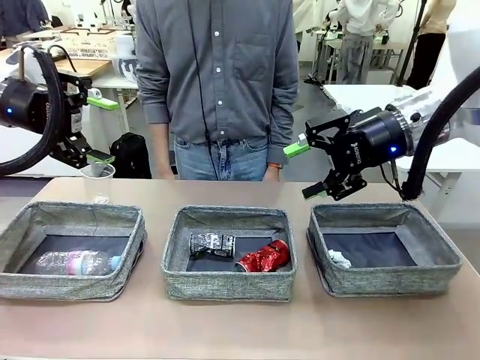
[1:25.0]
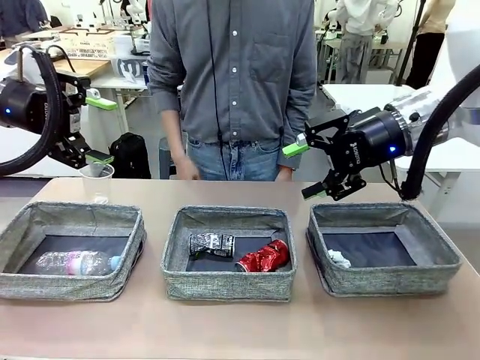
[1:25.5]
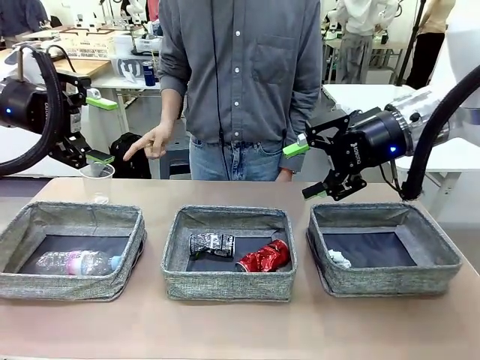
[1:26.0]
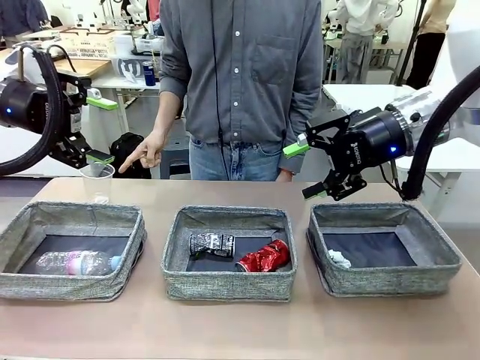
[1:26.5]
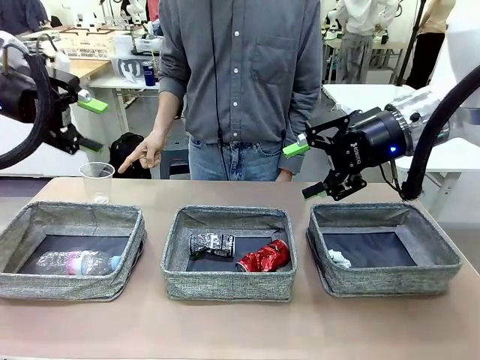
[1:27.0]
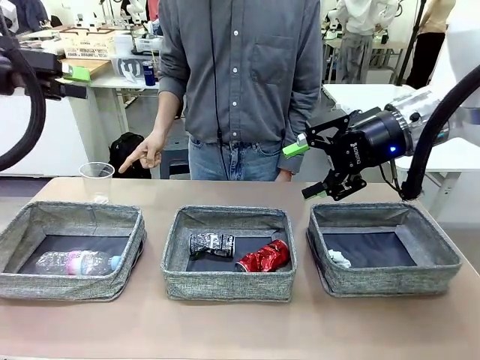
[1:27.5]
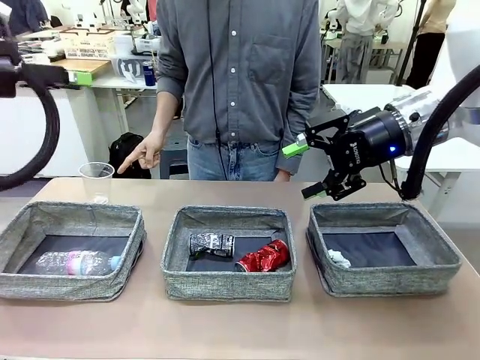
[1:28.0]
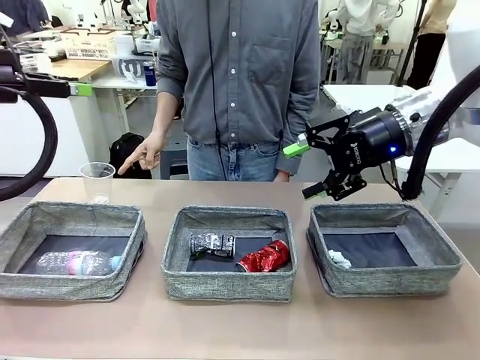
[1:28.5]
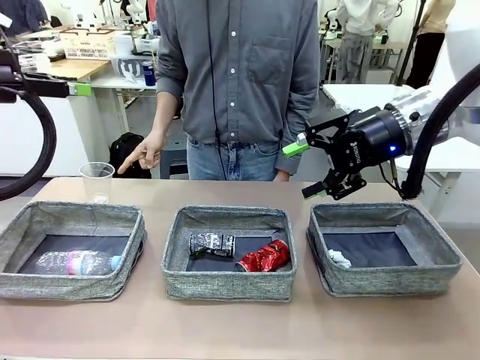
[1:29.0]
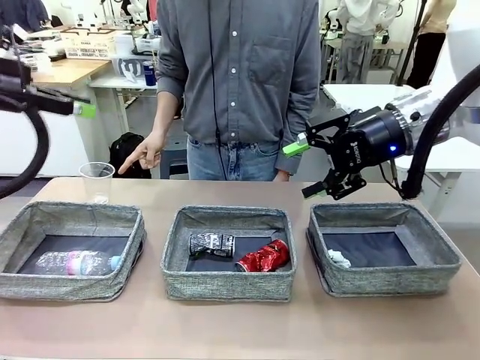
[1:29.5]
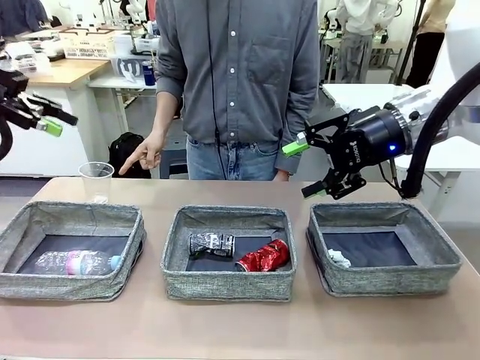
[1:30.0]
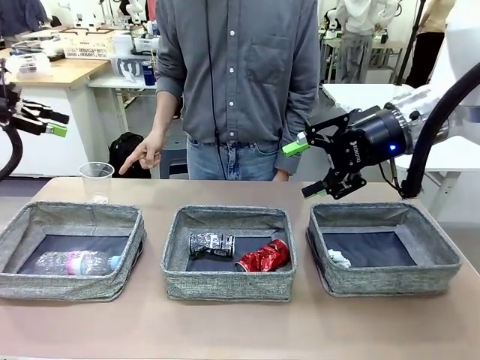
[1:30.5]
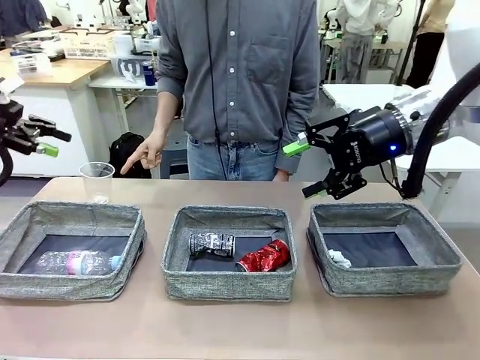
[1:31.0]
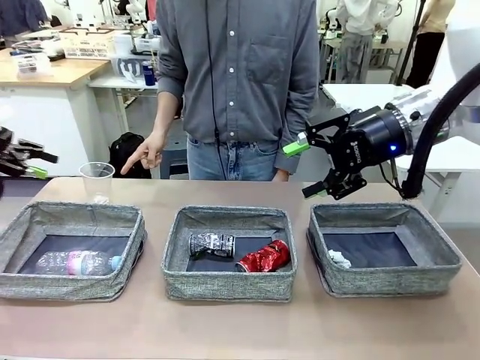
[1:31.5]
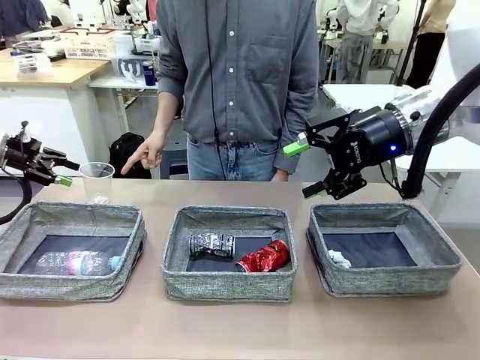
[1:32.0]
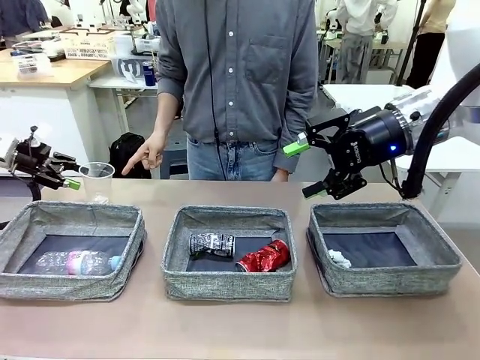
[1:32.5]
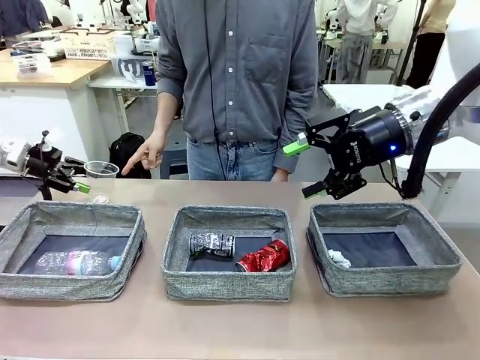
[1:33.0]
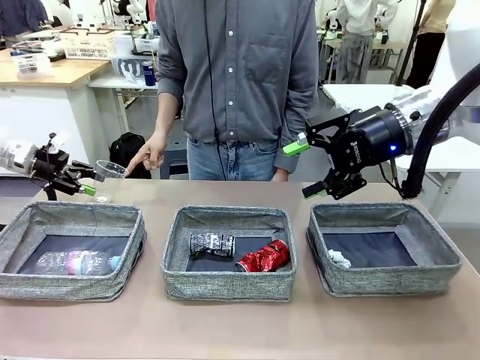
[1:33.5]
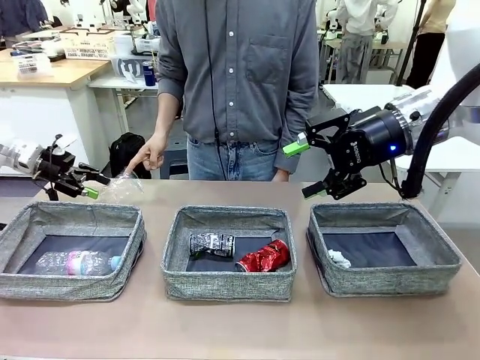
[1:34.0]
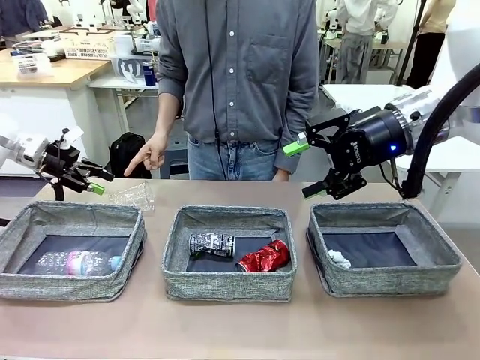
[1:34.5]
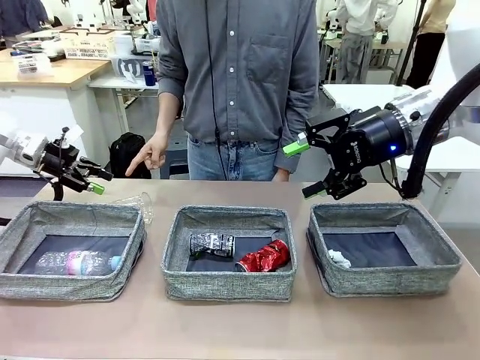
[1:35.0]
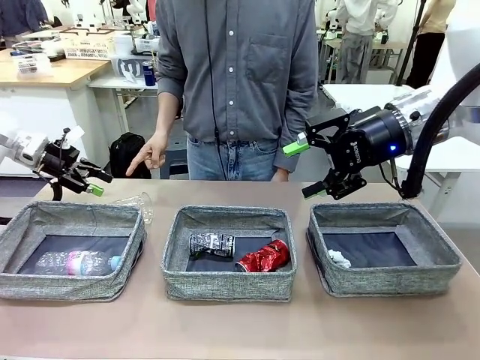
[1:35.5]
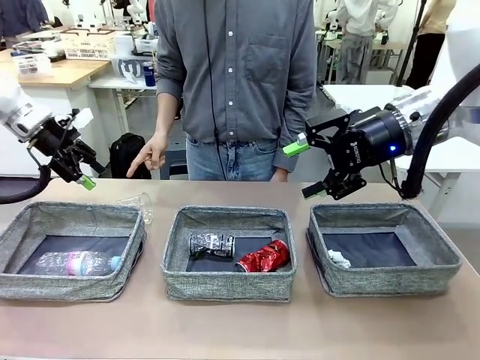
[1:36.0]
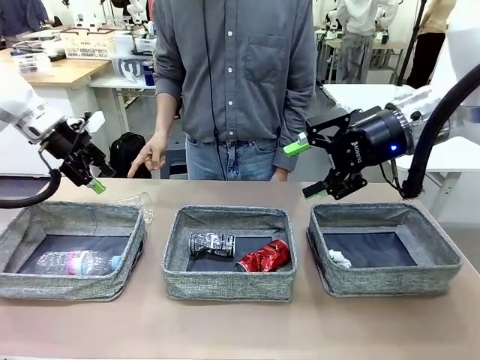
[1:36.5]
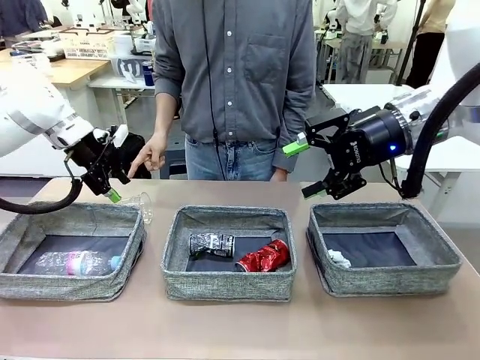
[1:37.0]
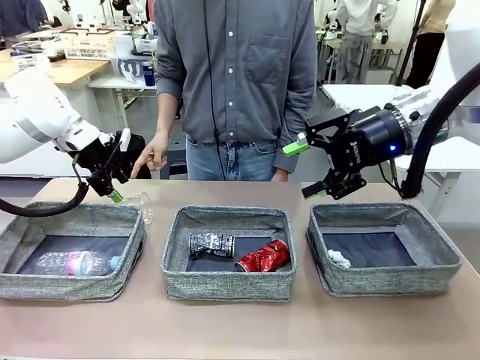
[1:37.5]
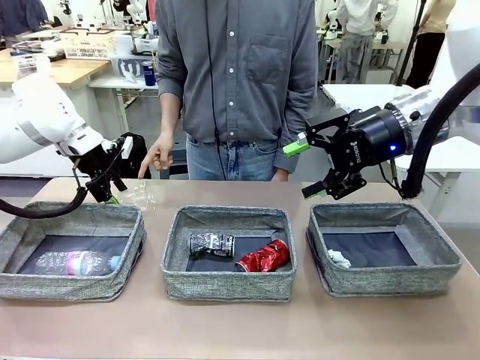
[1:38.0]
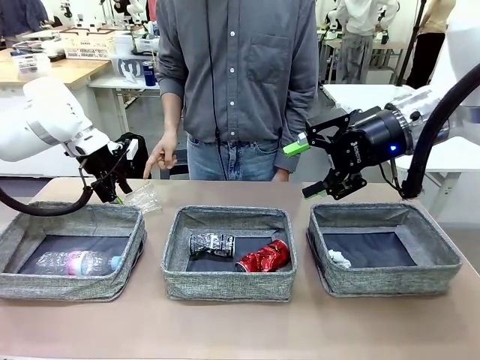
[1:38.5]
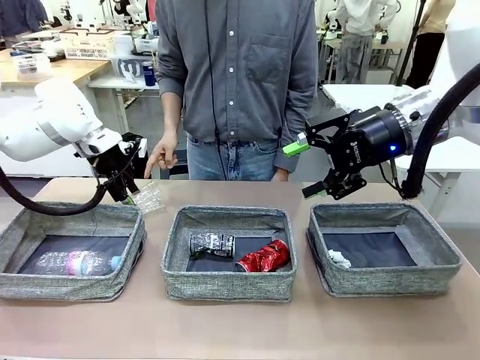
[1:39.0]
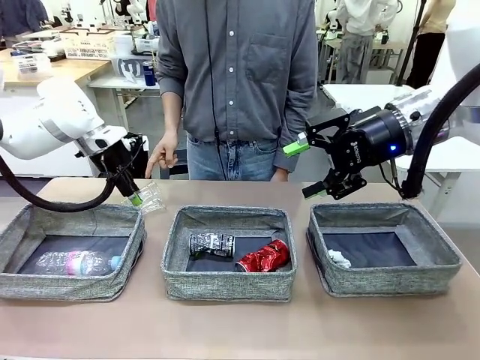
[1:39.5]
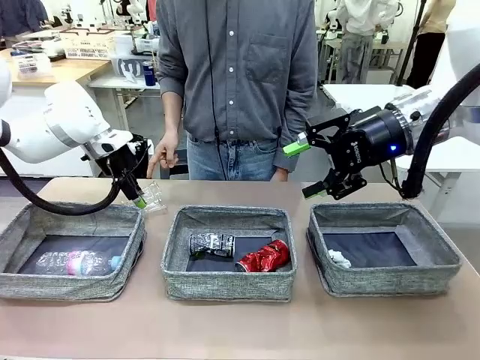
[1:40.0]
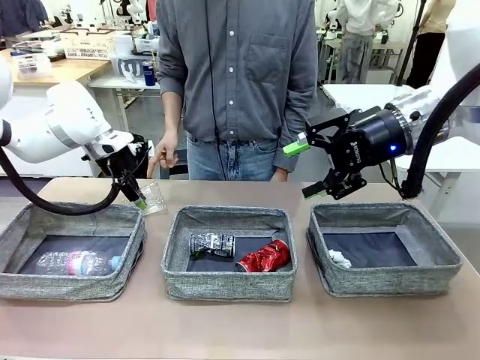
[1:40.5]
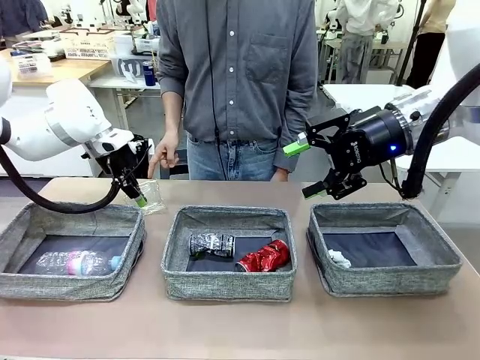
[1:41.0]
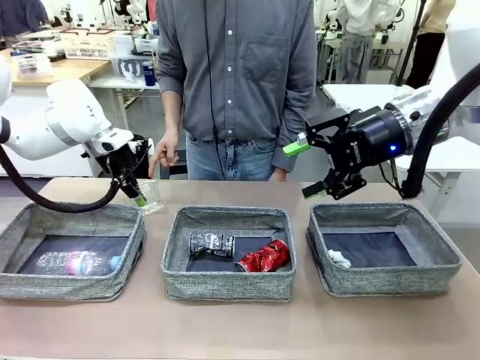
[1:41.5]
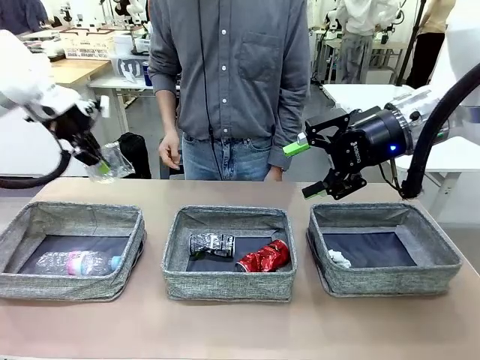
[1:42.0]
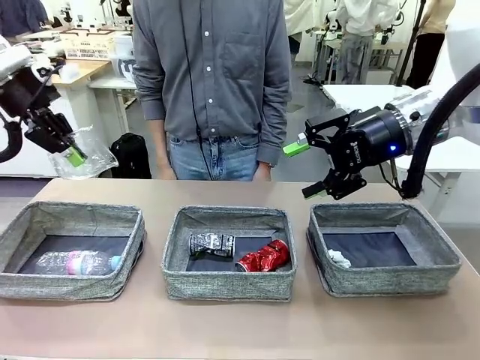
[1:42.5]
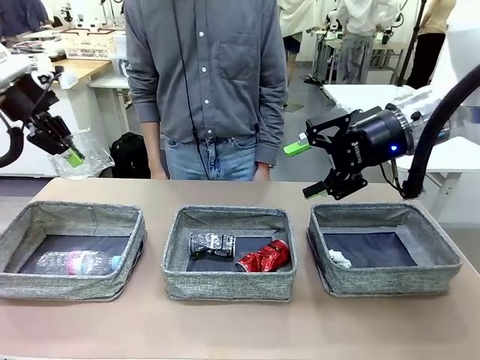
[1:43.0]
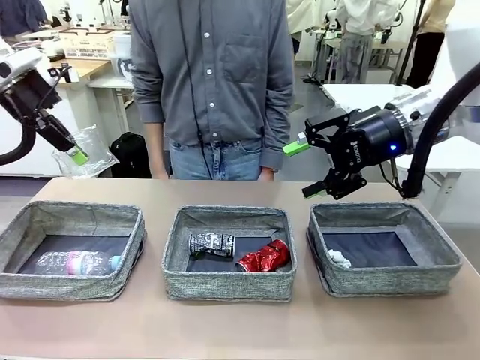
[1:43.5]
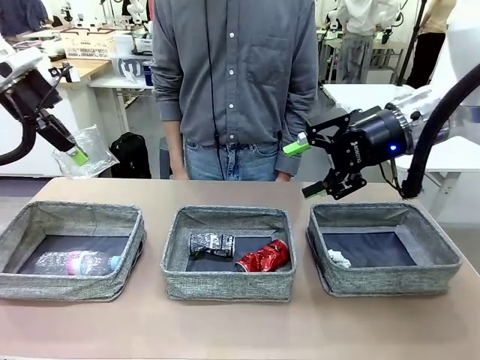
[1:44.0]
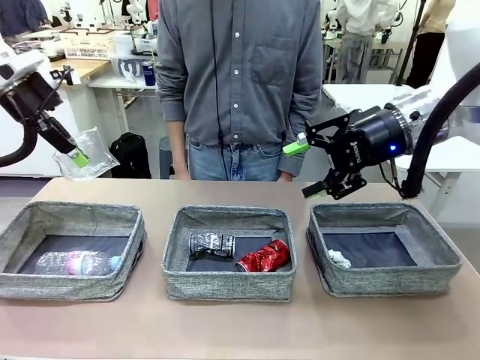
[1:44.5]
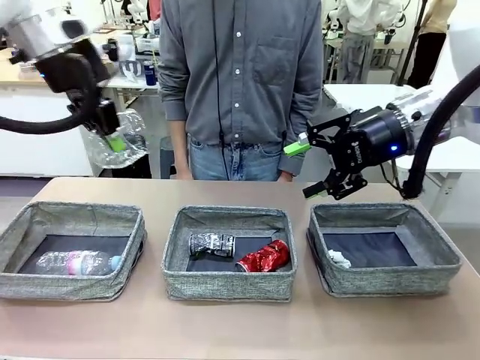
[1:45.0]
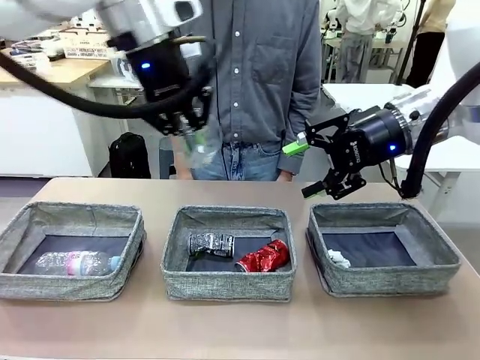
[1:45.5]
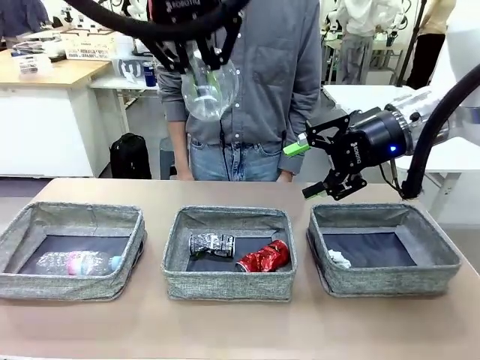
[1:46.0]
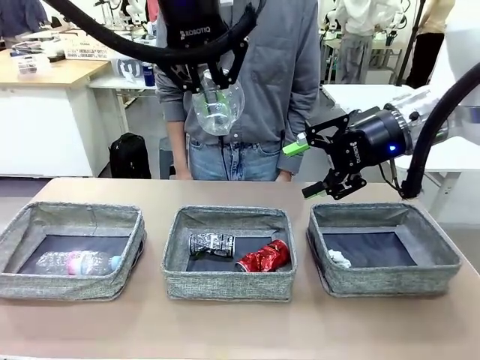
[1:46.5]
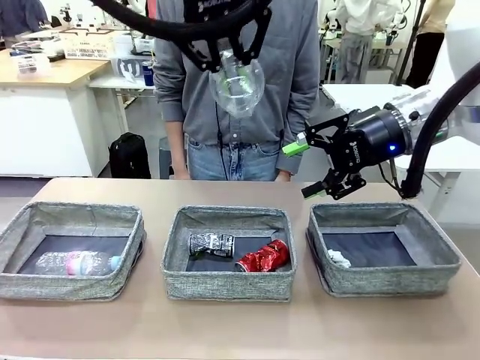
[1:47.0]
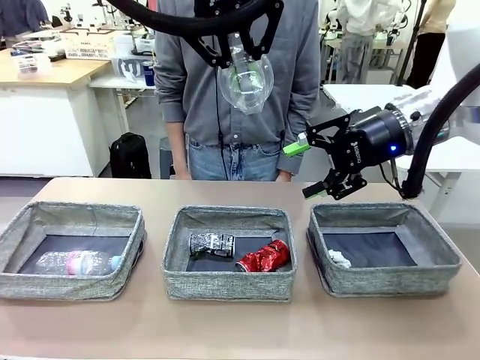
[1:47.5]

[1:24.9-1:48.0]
Task: Sort the waste into the appropriate baskets.
Robot: Pick up the waste item pointed out by the person.
Person: Points to one piece of trash on the table.

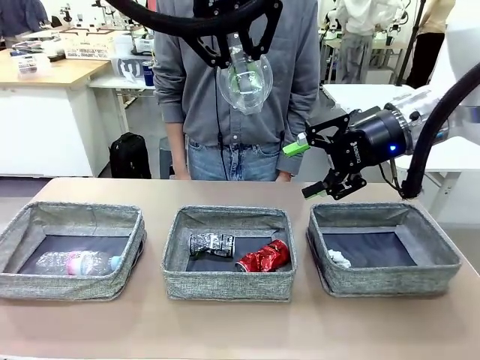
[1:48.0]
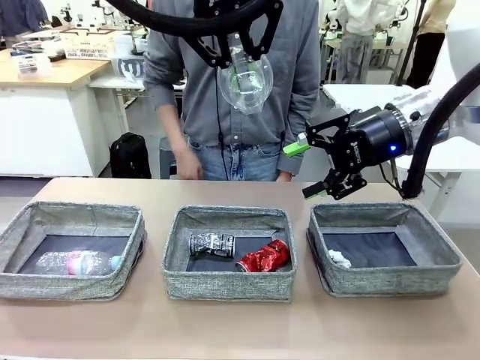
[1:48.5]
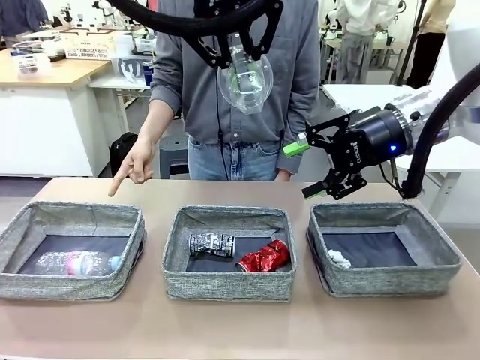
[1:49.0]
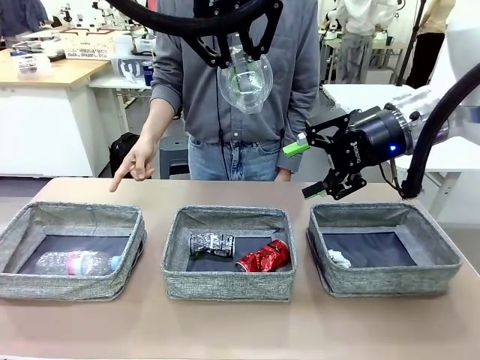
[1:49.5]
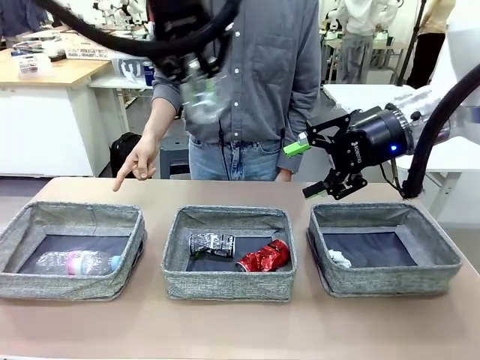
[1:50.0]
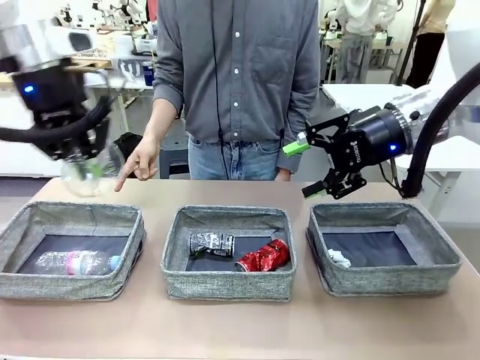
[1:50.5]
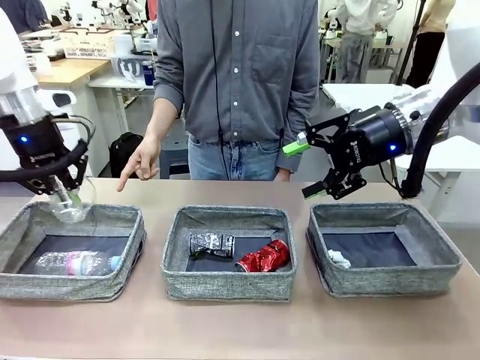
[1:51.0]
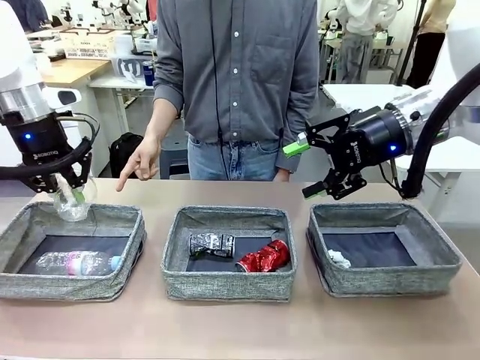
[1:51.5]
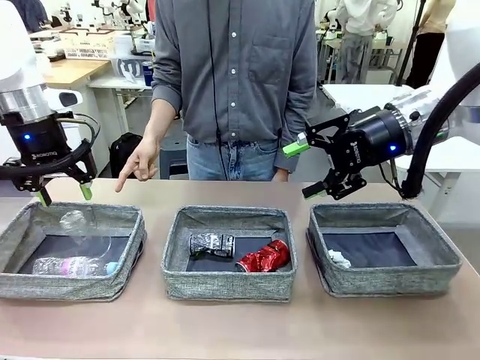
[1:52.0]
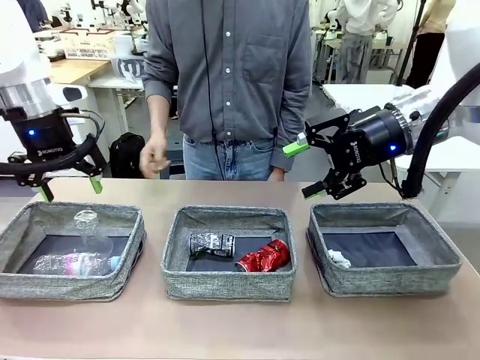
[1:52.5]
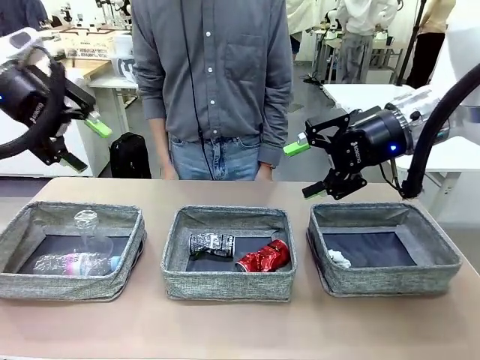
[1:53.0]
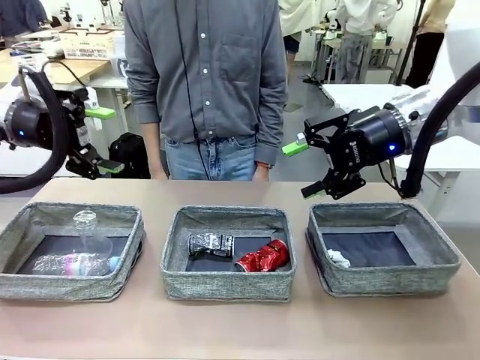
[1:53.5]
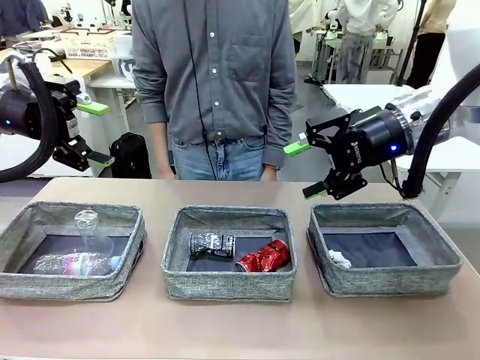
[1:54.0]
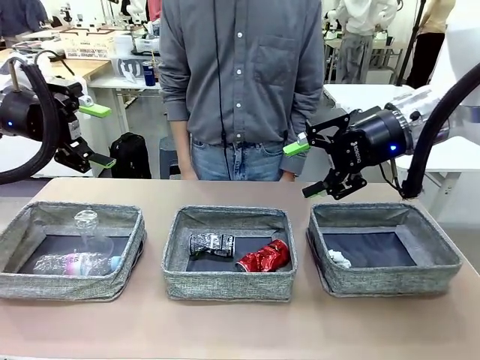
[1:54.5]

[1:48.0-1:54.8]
Robot: Place the picked waste into the Fabric basket indicated by the person.
Person: Instructs the robot to place the picked-up trash into the appropriate organizing basket.
